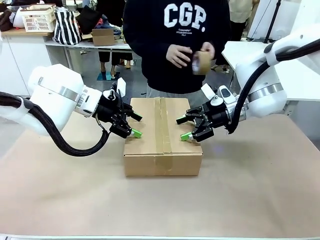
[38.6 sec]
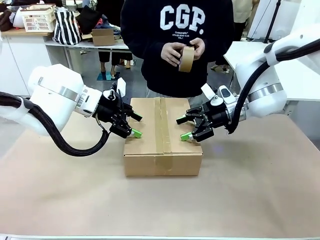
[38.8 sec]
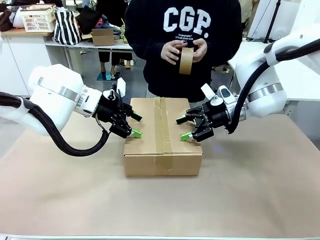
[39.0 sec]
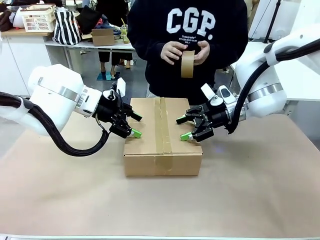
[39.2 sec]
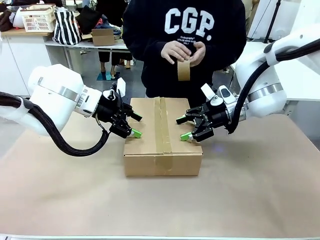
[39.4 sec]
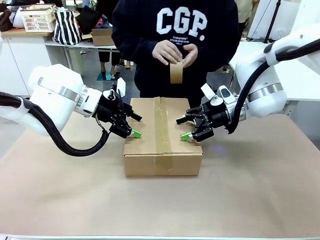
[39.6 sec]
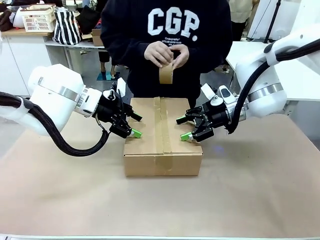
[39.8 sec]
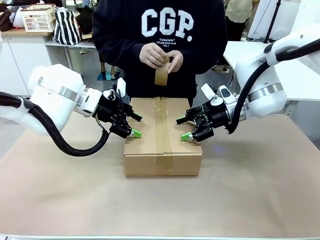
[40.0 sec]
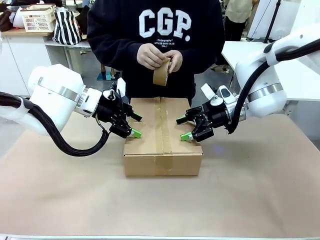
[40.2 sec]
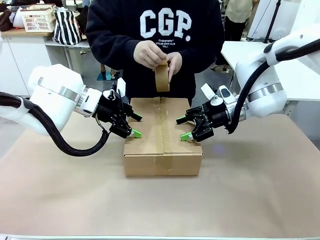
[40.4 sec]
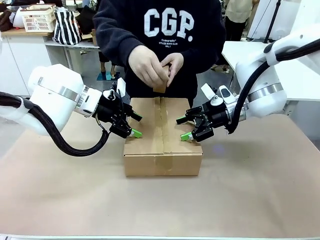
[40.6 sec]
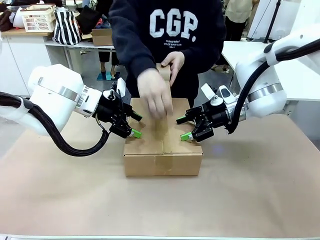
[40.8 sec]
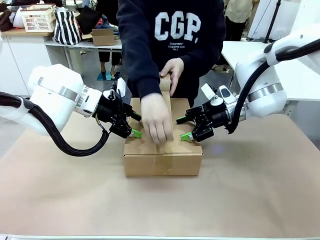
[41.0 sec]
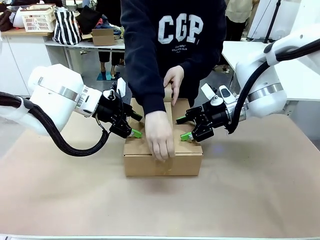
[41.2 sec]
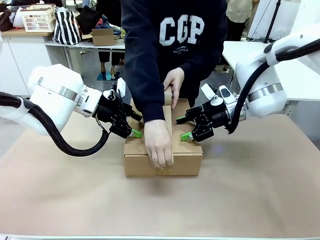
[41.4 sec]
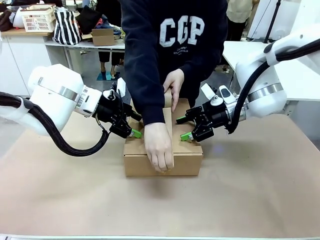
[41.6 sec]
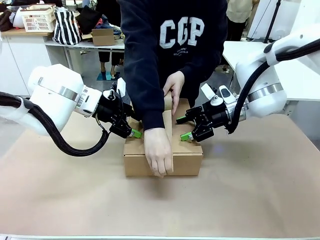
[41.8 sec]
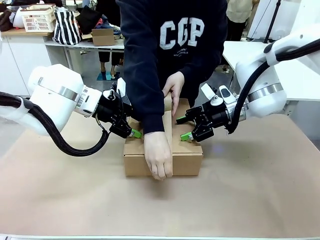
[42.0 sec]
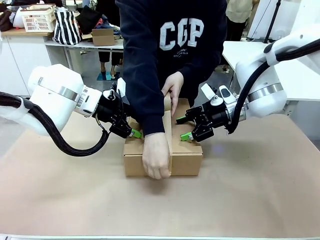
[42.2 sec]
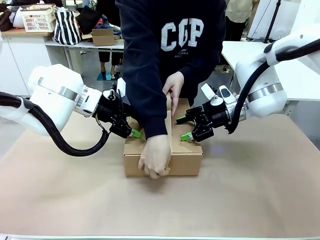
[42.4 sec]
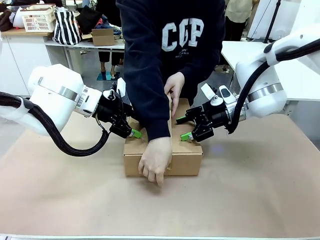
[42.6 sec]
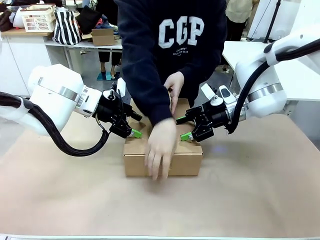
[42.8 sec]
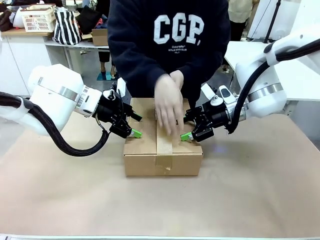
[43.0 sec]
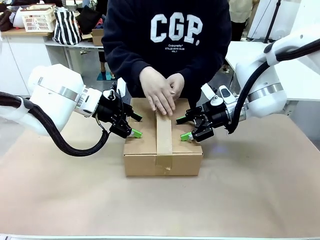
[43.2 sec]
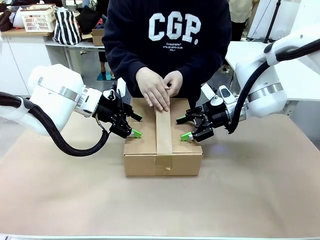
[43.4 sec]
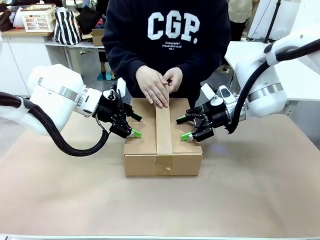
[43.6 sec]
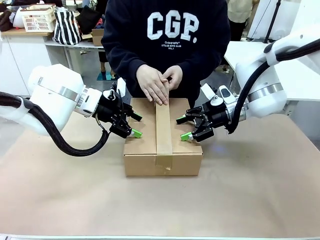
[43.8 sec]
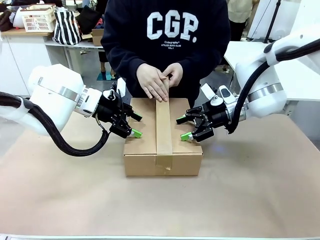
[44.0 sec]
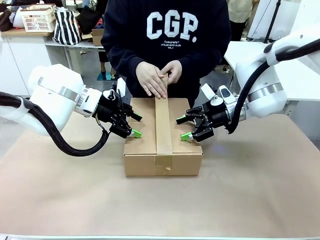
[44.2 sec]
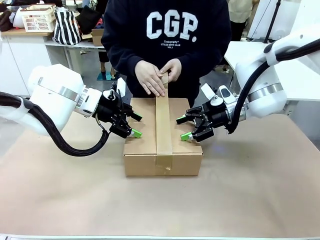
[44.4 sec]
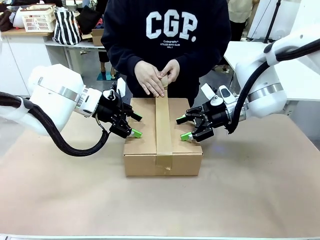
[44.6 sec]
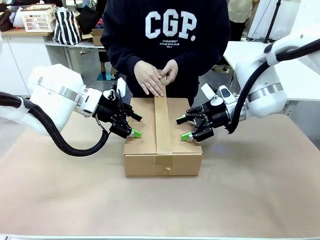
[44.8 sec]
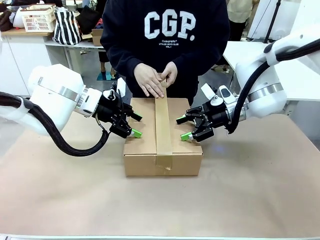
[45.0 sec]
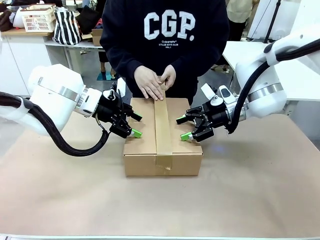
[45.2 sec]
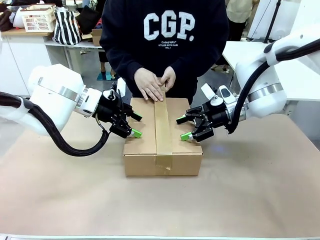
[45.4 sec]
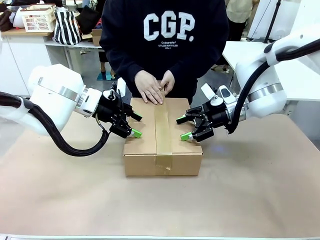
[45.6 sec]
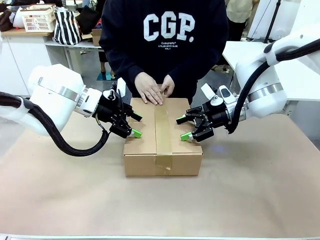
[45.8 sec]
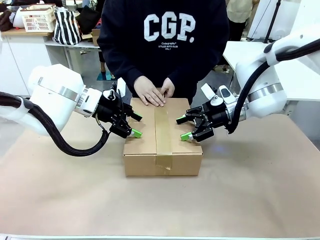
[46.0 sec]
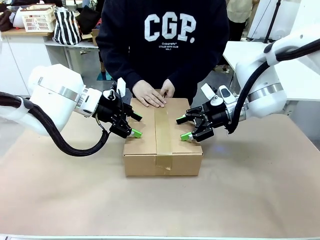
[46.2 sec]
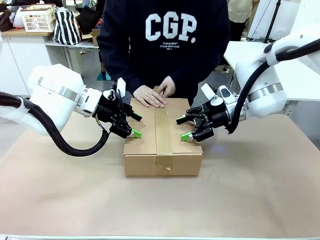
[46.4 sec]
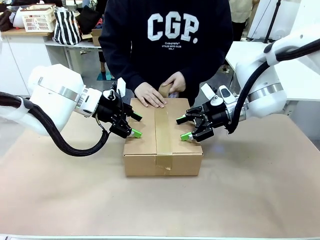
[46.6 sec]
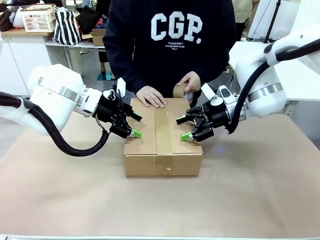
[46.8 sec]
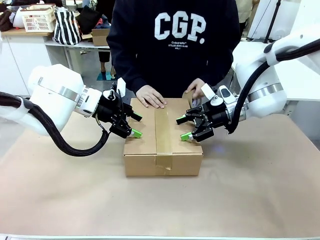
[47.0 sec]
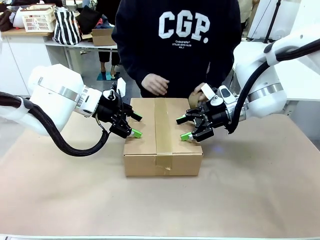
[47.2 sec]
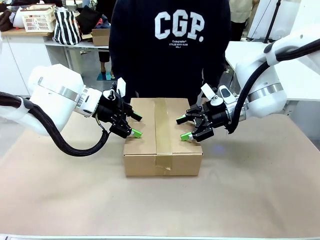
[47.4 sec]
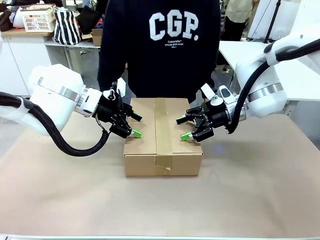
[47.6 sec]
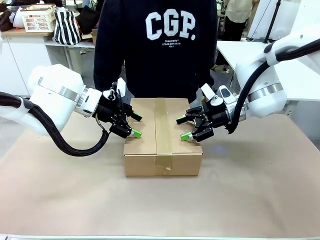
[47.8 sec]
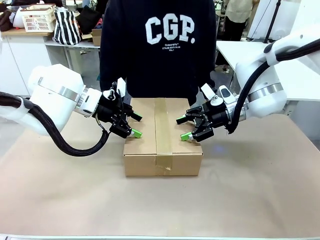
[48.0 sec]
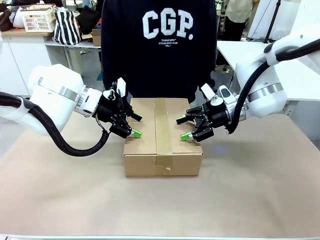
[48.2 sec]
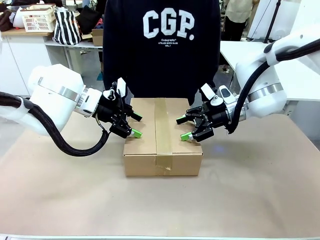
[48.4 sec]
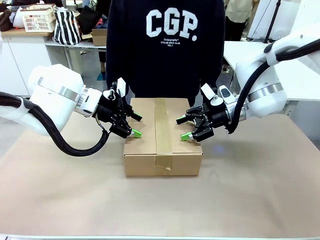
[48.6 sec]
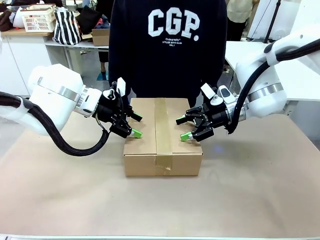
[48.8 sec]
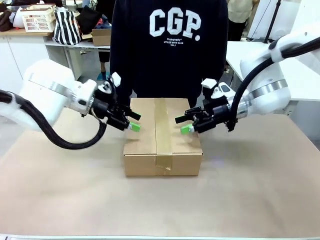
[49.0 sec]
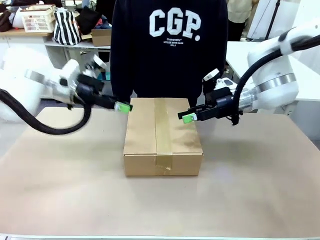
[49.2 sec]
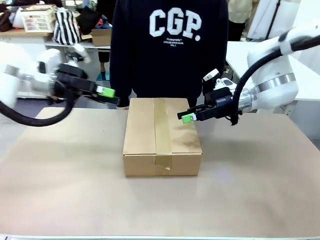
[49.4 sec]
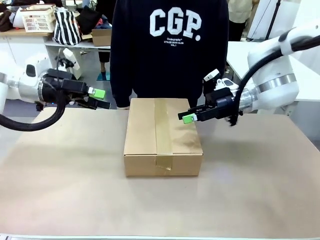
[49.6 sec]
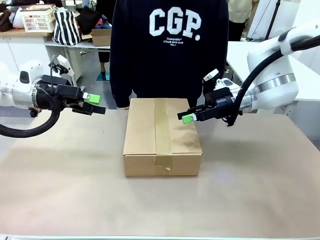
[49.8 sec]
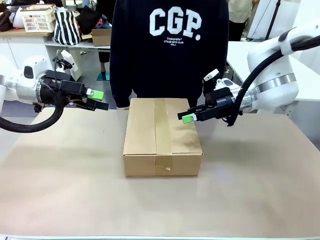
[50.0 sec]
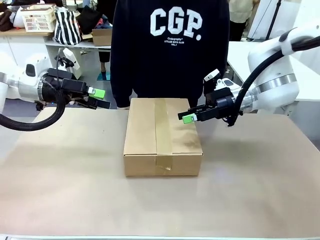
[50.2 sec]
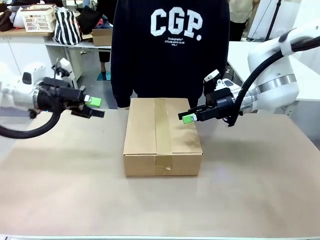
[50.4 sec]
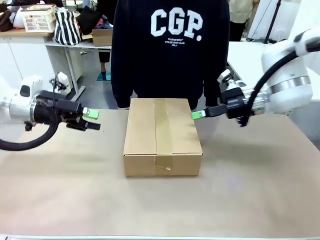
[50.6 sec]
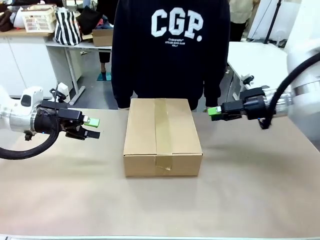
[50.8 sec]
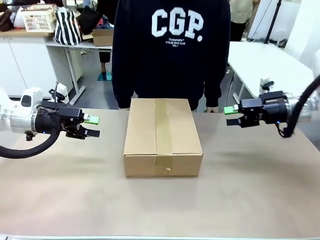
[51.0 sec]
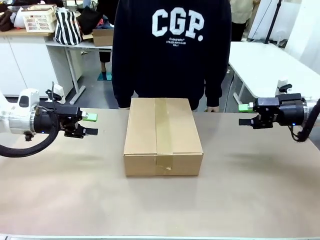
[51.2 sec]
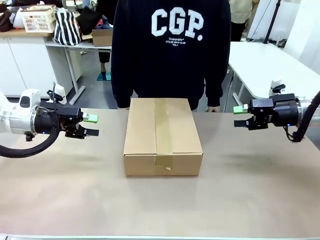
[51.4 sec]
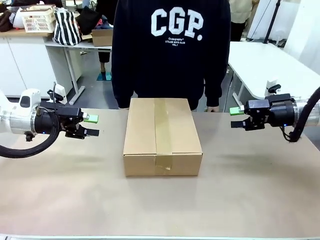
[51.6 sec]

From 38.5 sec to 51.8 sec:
Task: Pack the gift set into the box.
Robot: Press and hold the closed box until the human finishes sealing it.
Person: The human picks up the paper tape from the human table and packs the box.
